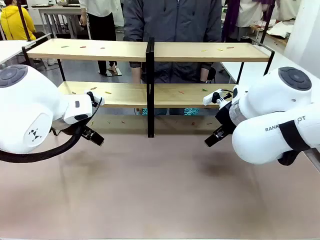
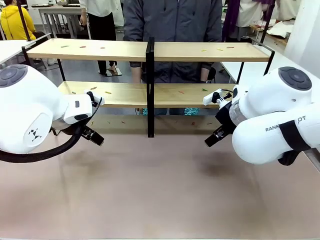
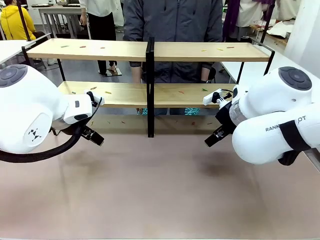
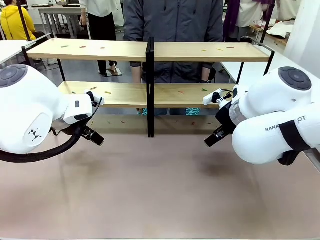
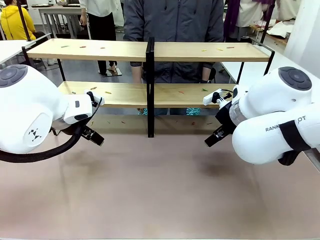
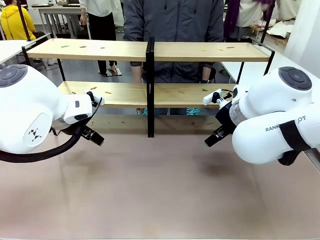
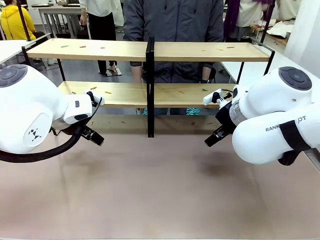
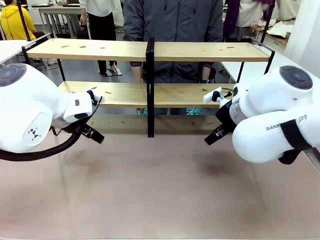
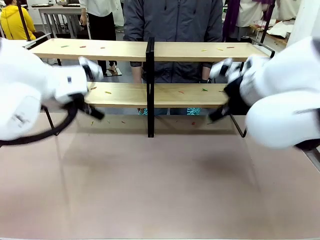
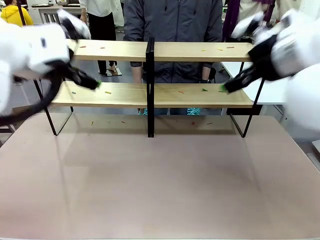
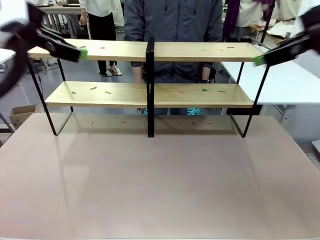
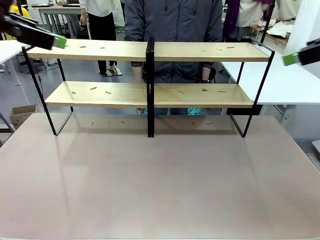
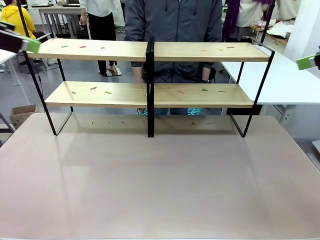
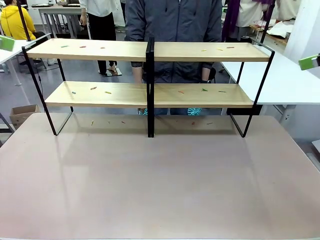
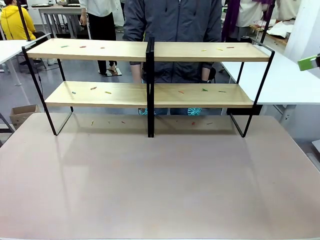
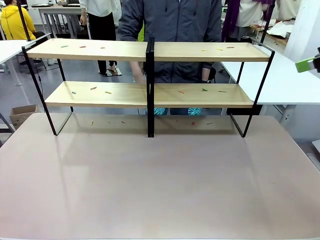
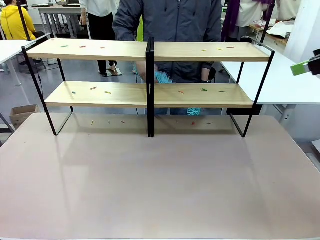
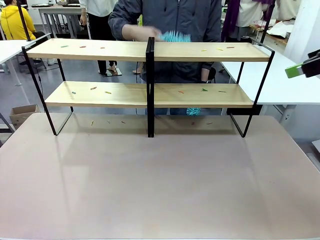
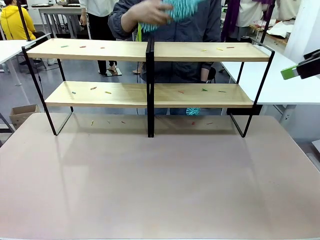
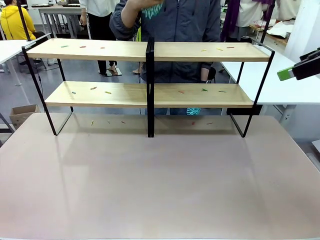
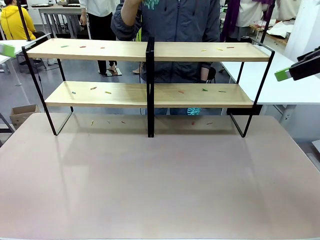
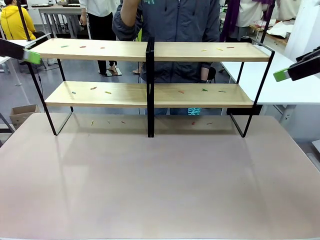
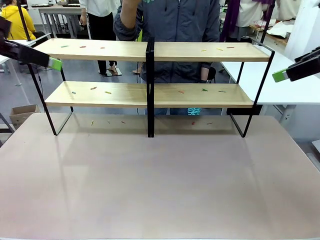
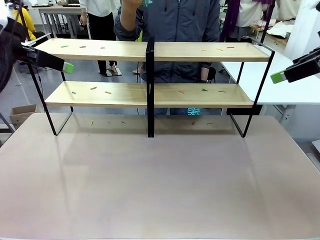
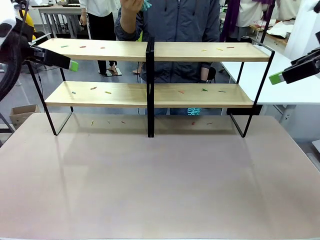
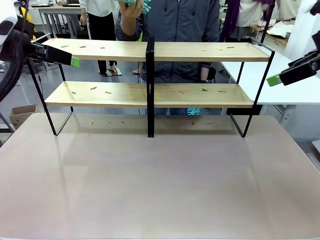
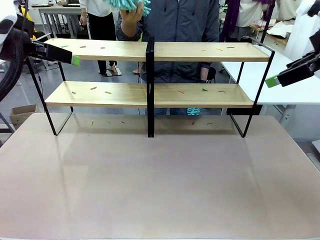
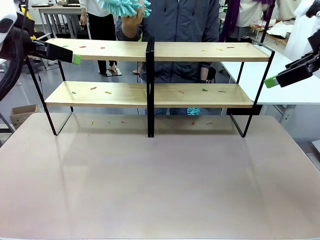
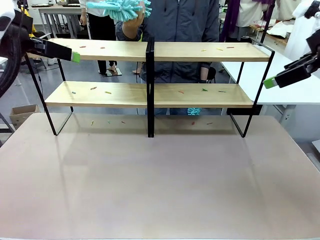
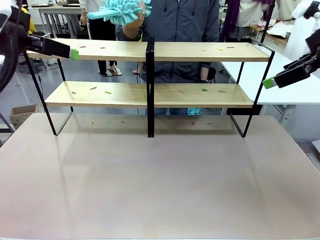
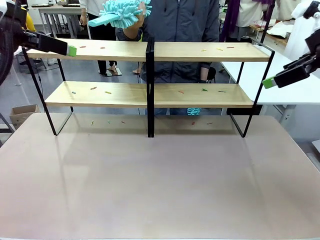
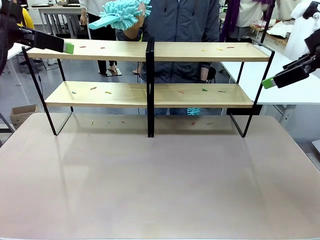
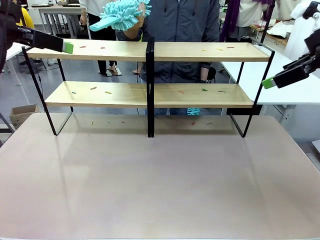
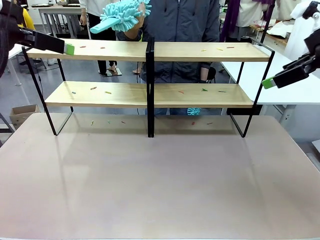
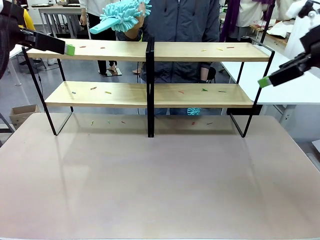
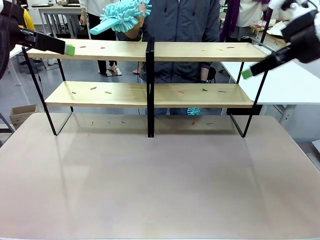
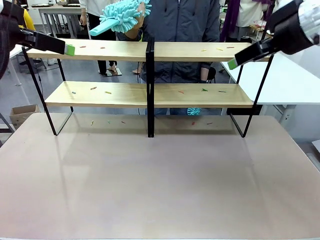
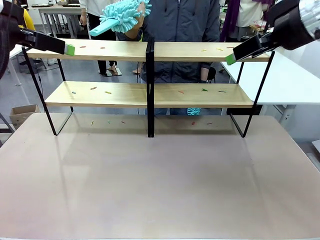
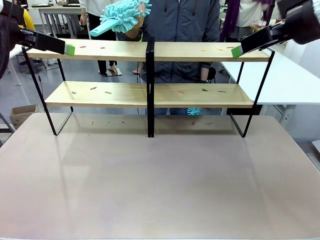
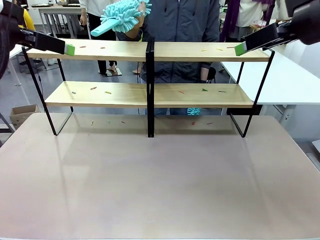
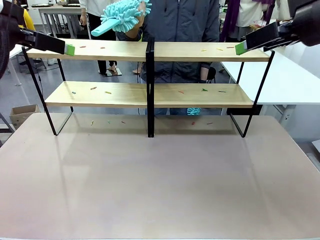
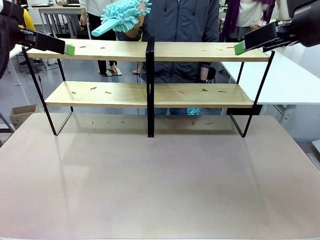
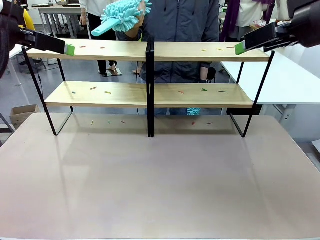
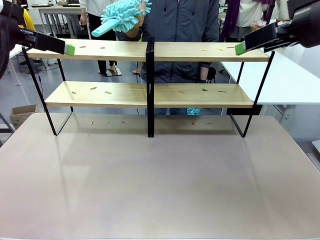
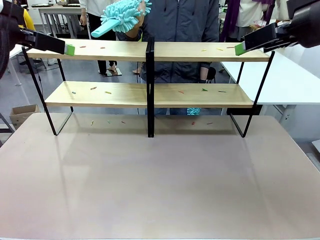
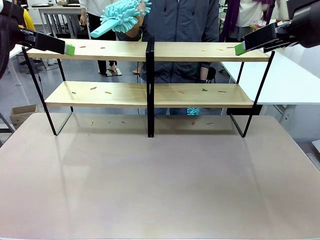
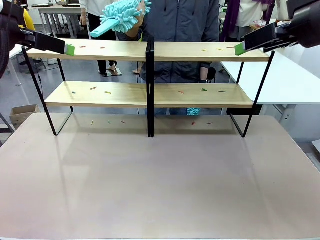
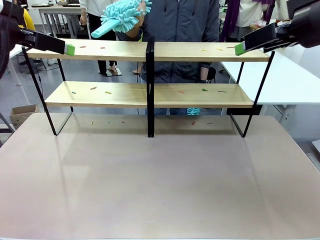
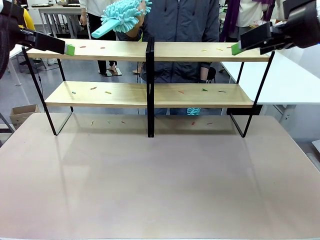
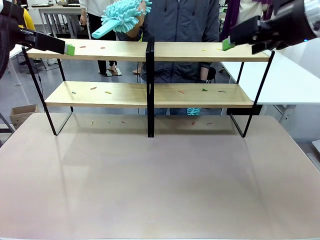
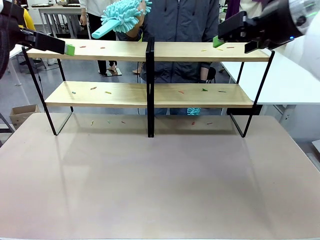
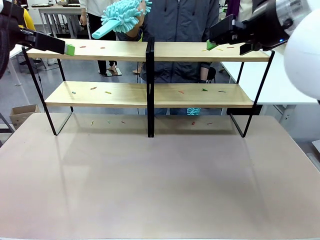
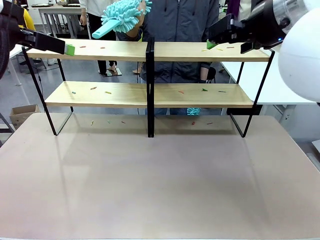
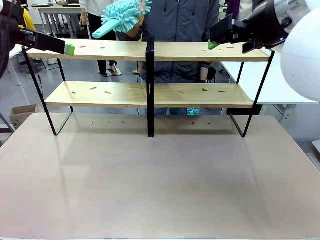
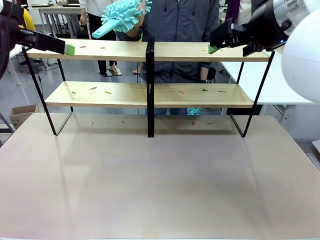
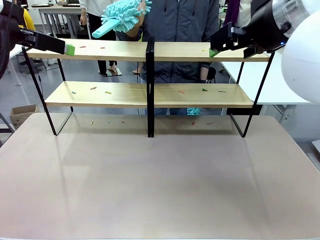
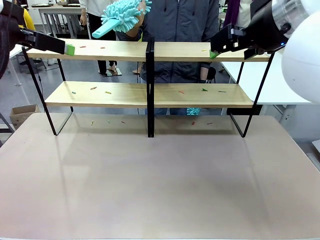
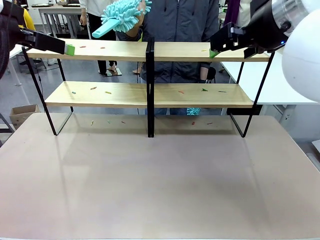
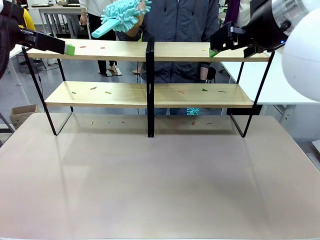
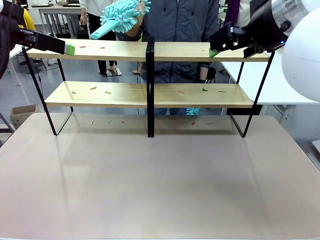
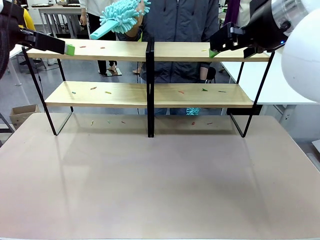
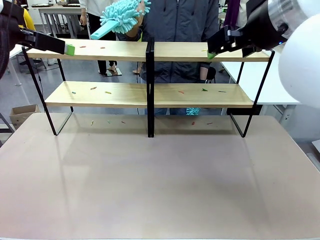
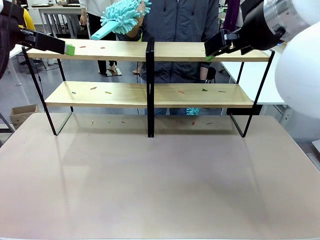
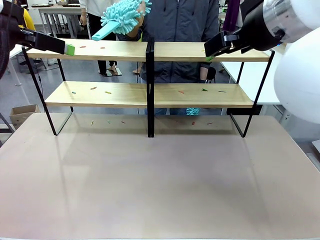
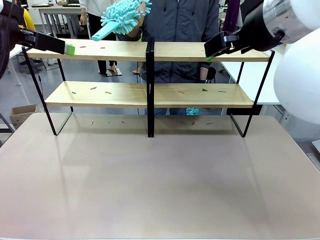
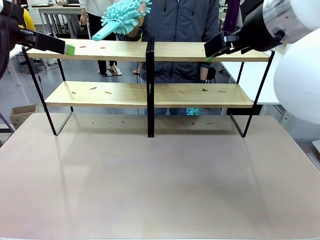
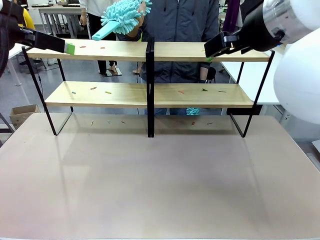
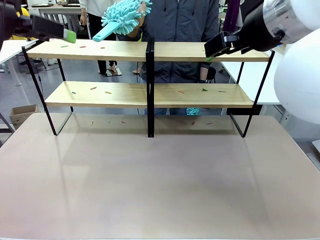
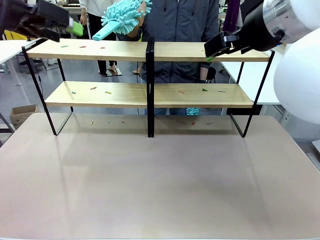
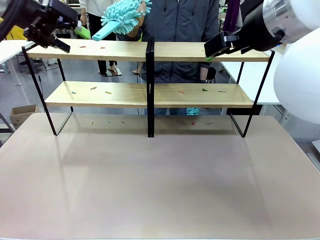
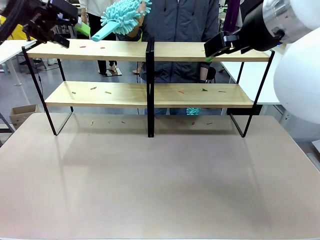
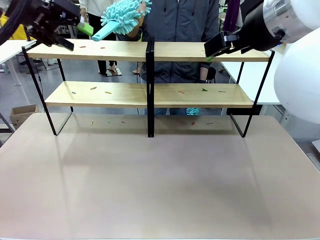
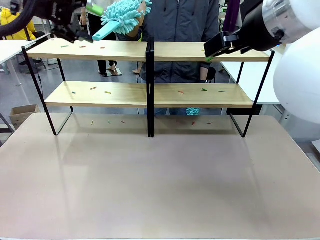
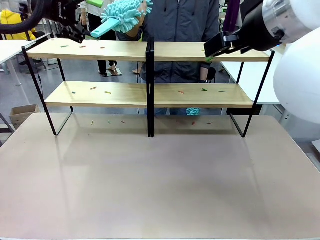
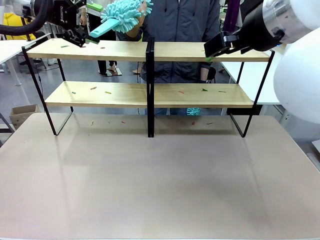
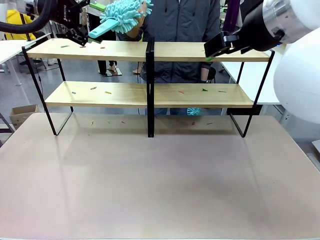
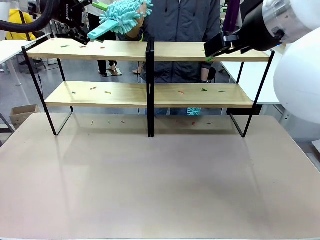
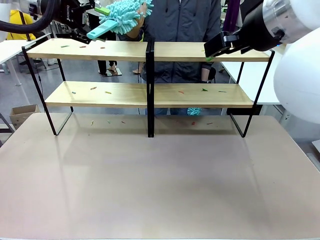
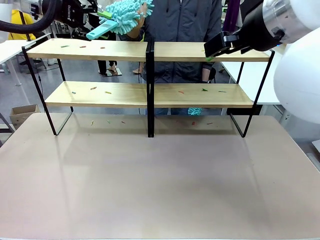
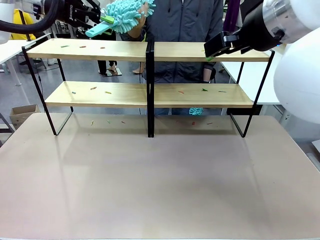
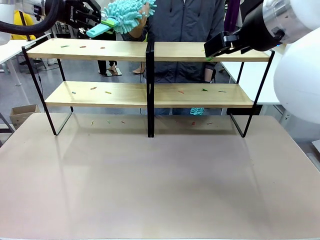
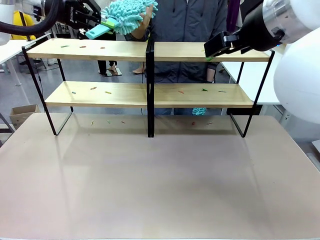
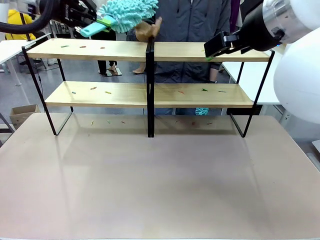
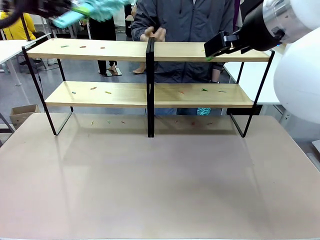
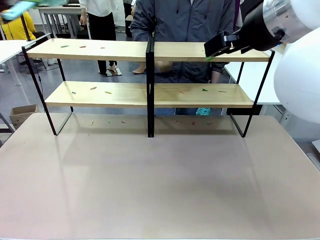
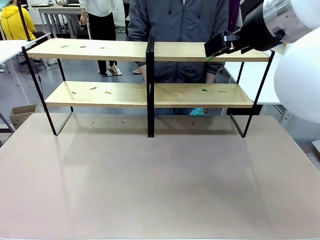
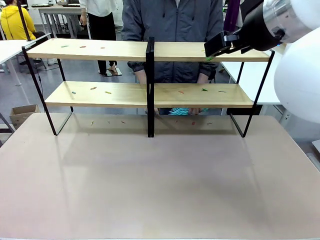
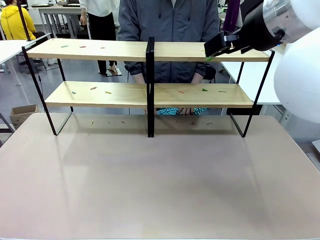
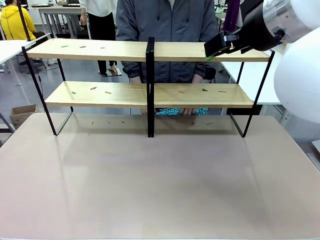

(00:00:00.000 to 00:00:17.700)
Task: Clean the shelves.
Robot: Pick up the Duster when the human hands it over.
Person: Hand the Duster to the robot with your right (or left) hand.
